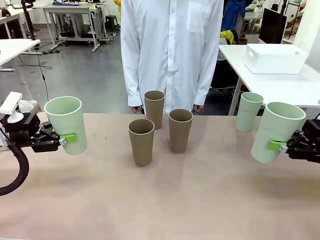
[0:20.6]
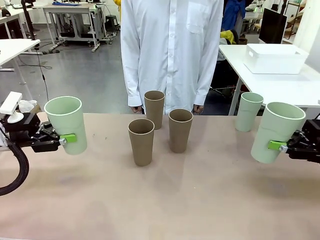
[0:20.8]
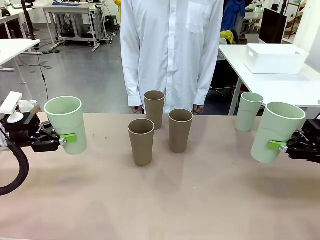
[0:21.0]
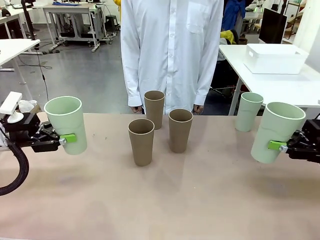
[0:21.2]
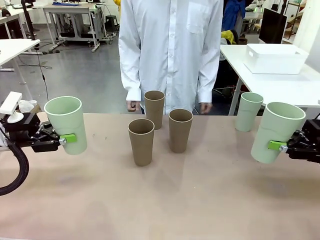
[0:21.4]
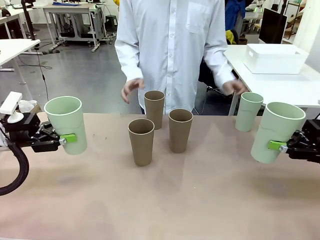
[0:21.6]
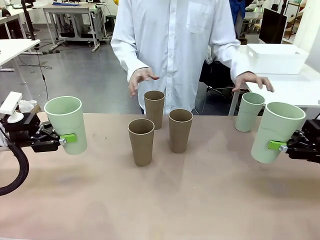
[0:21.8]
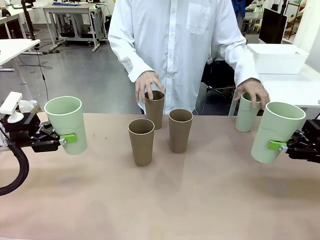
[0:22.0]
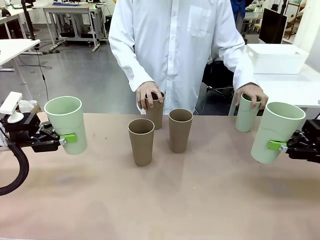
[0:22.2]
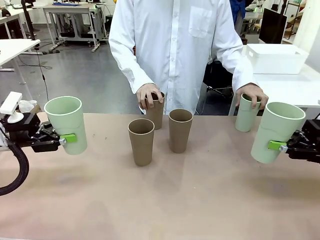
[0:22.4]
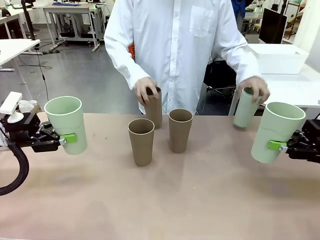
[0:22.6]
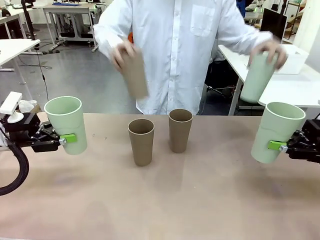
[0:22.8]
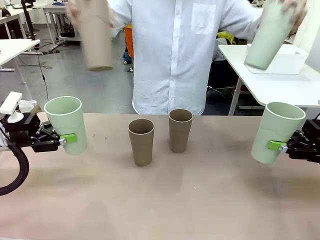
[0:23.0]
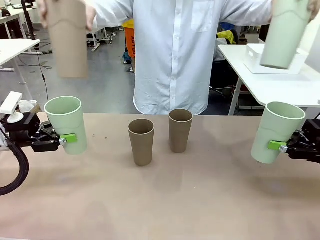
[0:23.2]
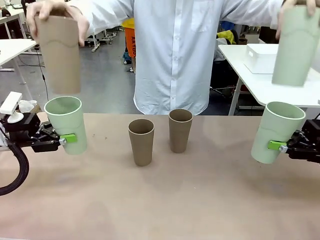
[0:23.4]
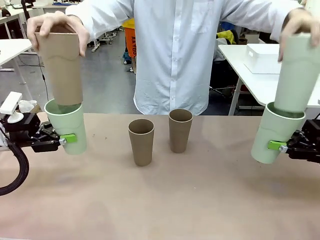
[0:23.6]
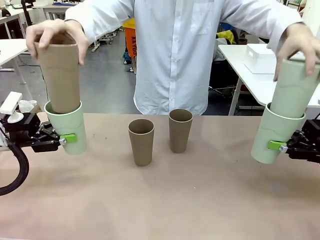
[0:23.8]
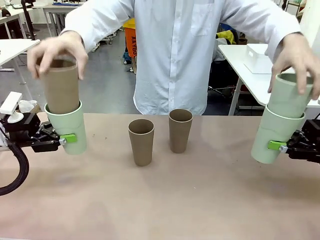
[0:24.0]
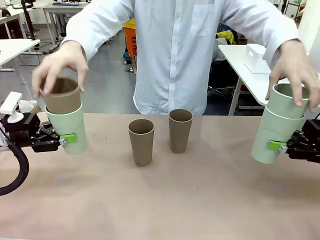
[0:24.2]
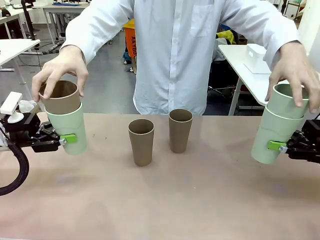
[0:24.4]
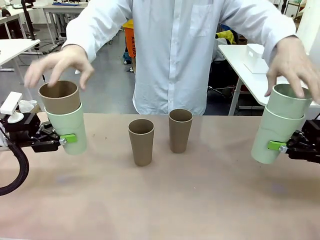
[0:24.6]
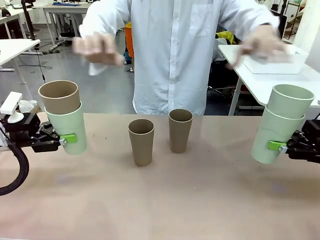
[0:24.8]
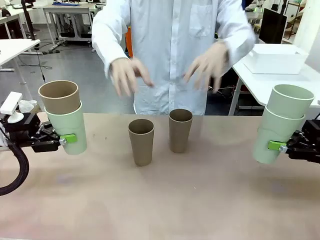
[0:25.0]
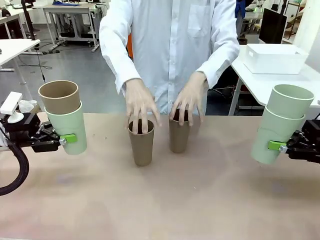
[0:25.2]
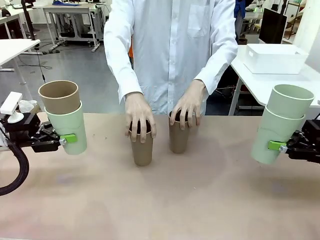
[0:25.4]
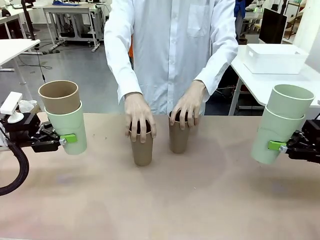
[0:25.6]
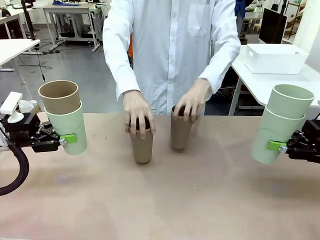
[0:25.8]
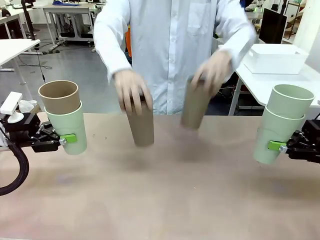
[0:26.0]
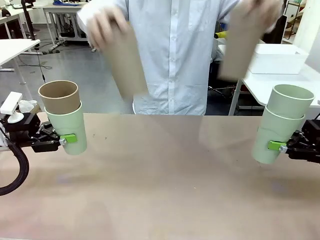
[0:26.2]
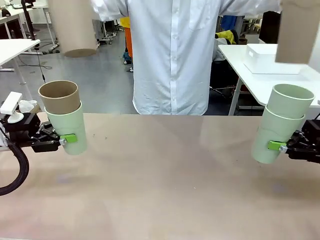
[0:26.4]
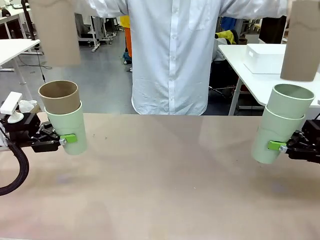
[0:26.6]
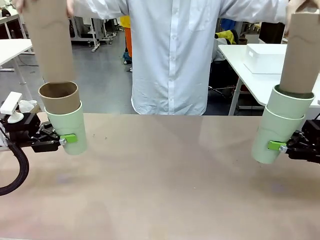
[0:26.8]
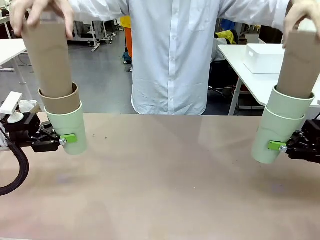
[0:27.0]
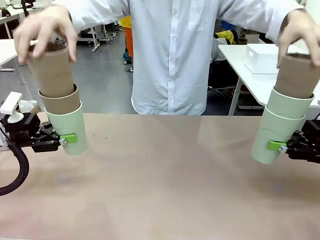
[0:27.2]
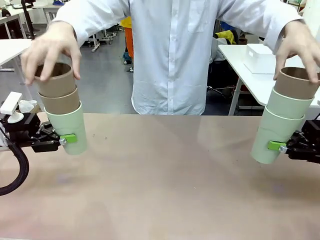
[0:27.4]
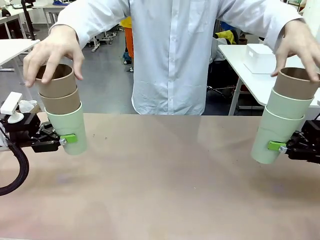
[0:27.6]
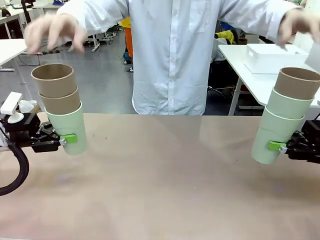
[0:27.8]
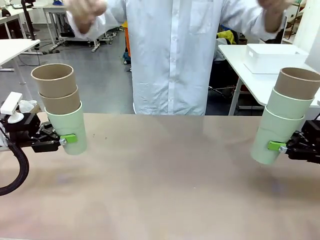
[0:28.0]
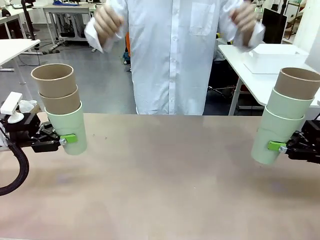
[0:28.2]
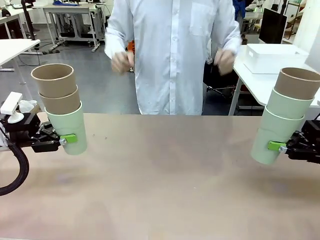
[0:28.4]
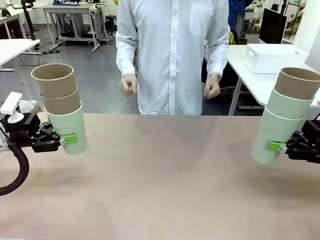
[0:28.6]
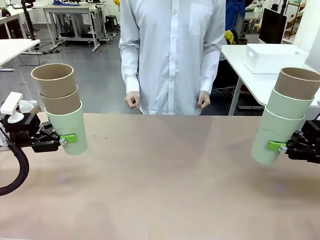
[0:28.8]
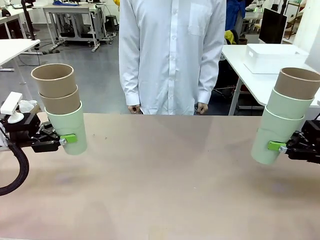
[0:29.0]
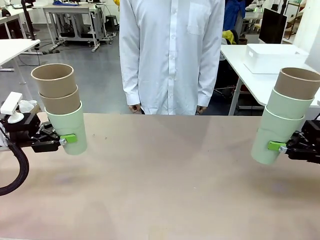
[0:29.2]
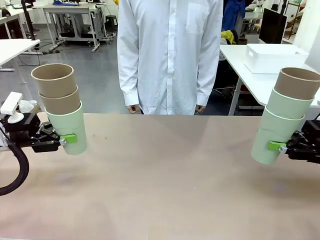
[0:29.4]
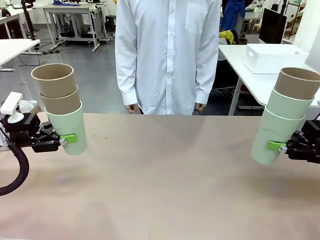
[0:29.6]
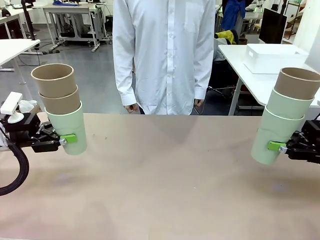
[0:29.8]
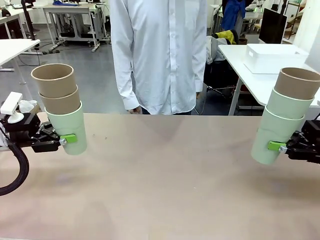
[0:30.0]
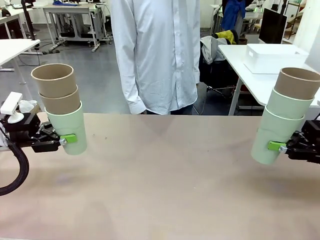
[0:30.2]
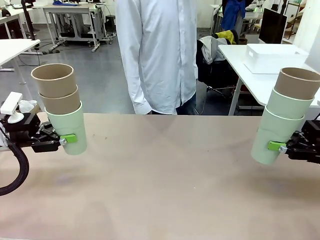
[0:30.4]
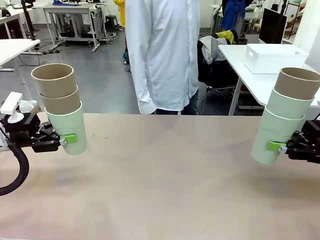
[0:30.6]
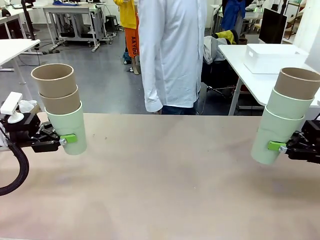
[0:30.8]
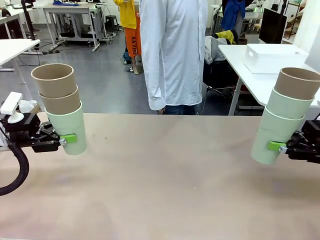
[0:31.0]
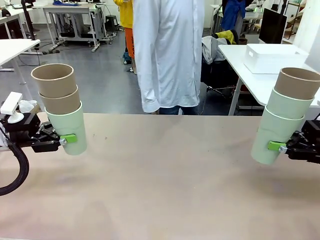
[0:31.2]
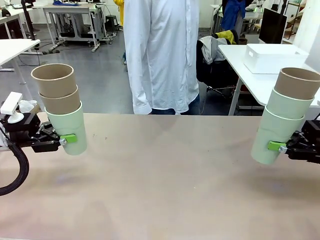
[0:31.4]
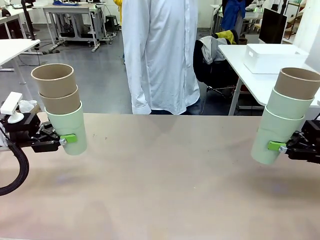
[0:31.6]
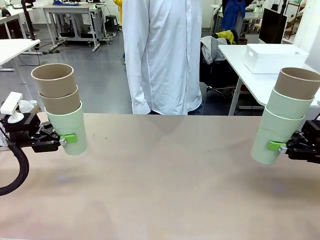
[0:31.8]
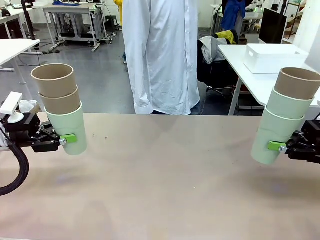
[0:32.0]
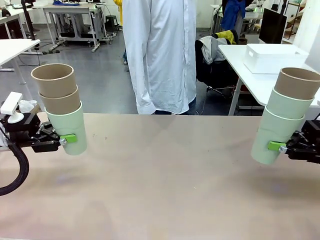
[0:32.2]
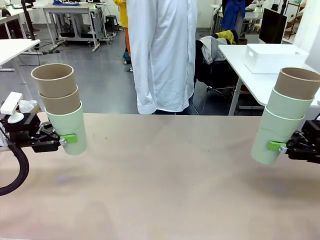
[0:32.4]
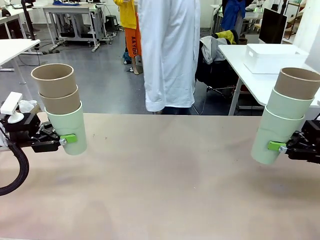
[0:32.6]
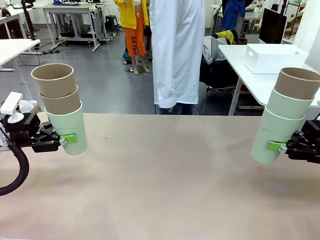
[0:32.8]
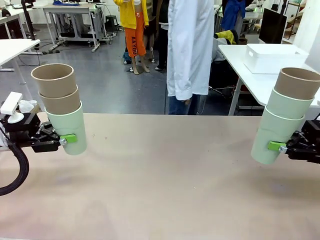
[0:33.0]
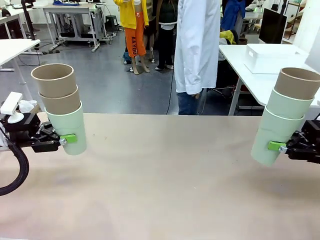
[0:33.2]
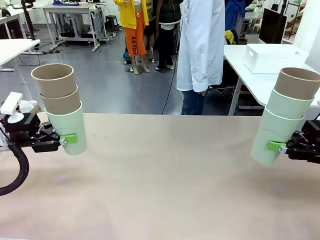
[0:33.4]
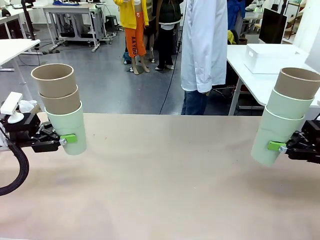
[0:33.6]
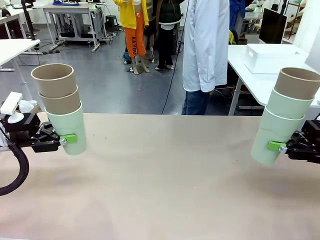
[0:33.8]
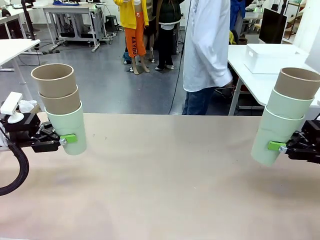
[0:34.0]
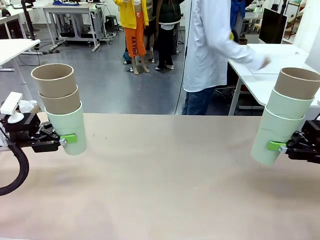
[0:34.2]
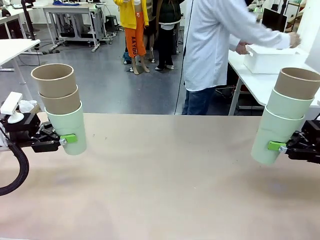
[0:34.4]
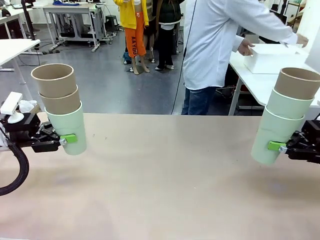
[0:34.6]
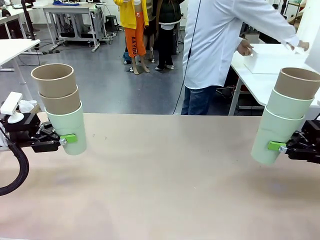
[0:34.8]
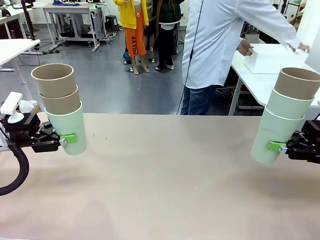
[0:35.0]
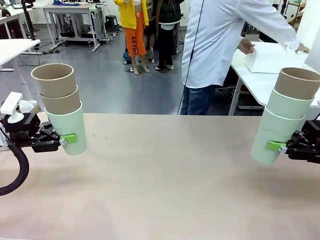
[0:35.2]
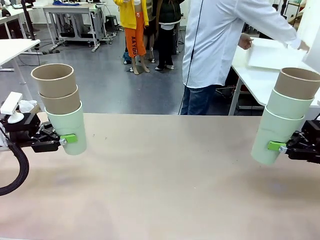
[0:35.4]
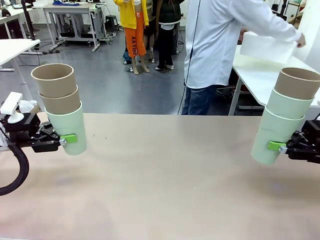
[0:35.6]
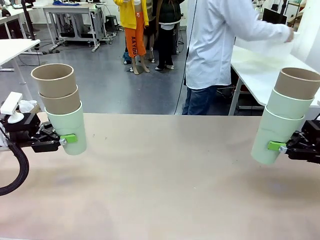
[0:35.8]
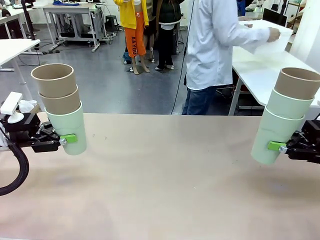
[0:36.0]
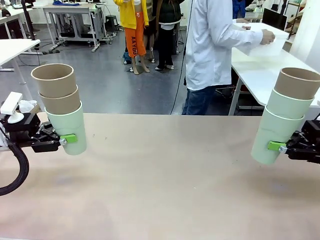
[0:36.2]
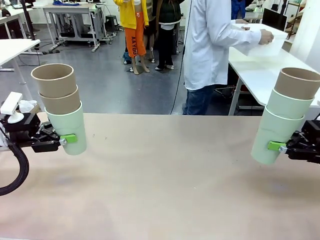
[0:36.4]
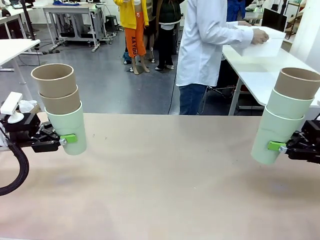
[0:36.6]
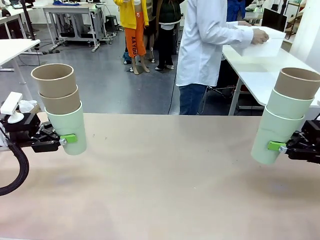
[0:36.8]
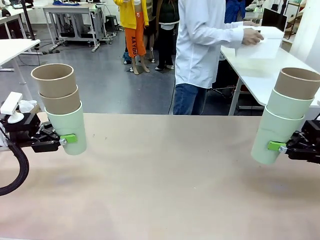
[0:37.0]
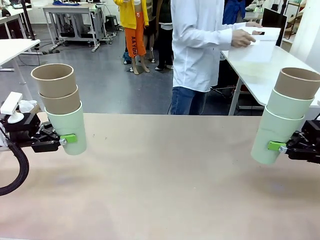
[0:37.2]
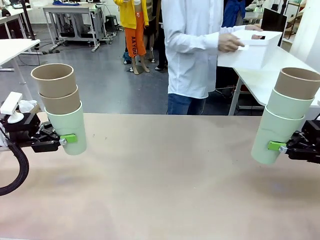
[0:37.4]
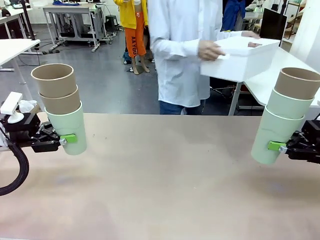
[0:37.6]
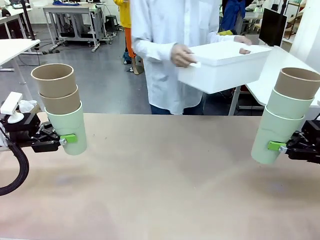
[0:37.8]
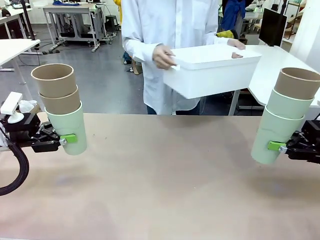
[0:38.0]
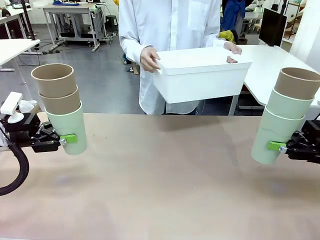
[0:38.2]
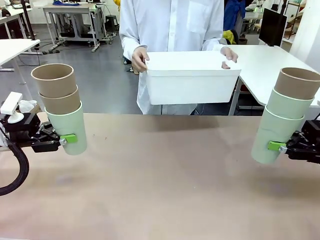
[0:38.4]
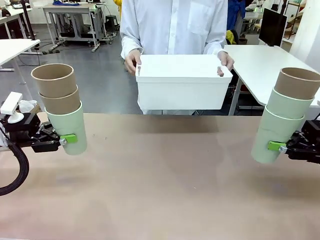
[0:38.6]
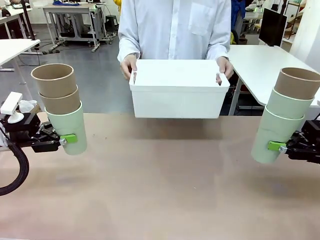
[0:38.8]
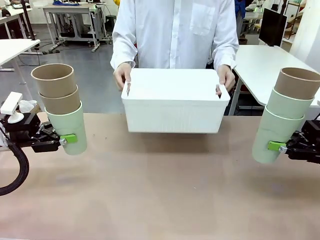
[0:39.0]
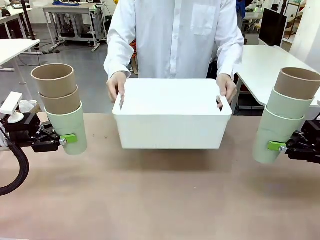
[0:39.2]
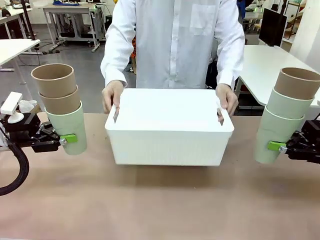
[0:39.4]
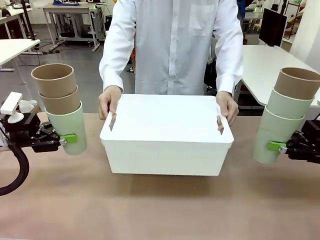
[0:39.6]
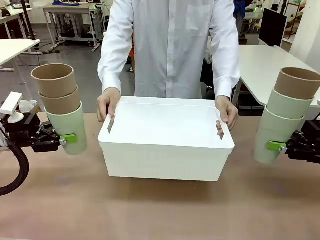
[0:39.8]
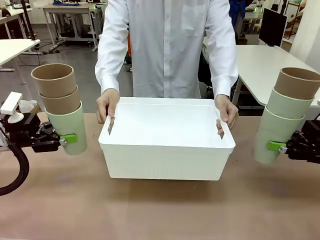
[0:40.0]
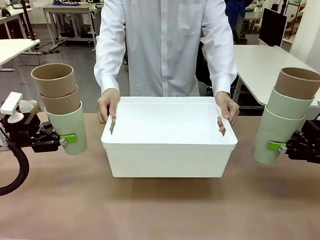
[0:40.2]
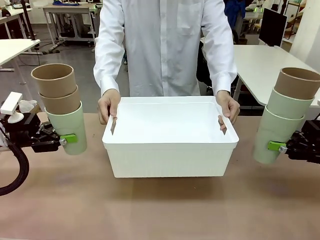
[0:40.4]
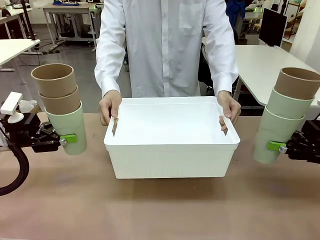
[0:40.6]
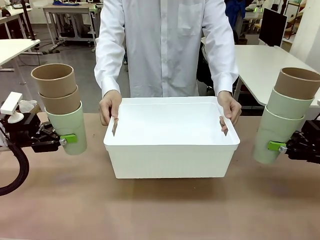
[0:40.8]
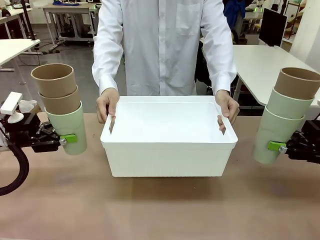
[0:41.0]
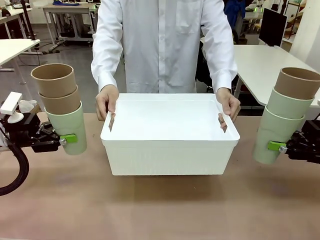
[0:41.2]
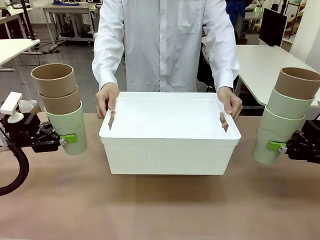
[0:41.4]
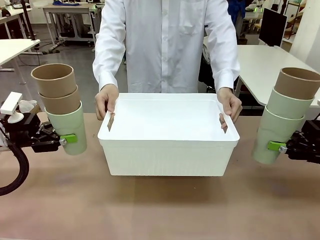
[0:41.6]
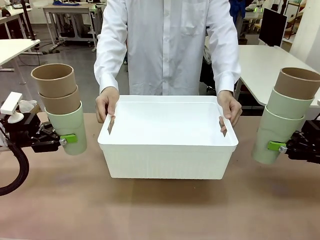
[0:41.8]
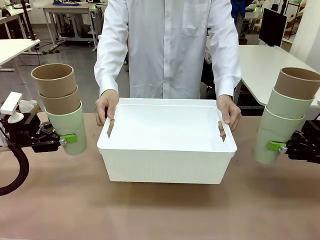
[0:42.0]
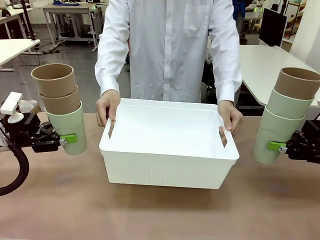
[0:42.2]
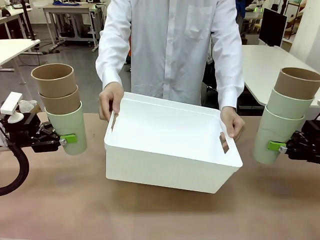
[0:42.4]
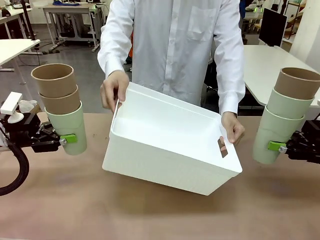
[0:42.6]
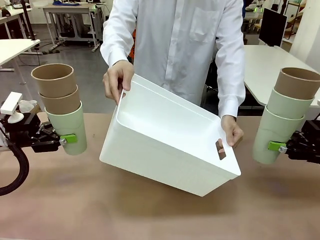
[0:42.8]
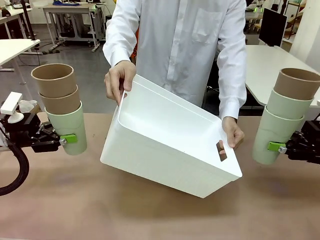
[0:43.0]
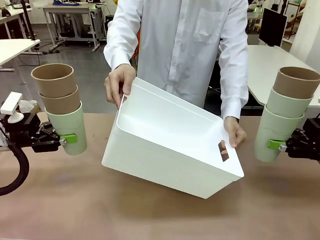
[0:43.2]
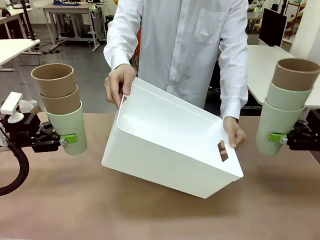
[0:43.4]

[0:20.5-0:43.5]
Task: Stack the cups and store them in the basket.
Robot: Place the stack of Reusable plastic cups into the Pantry Basket.
Person: Pick up the basket from the Human Table, bring it to the front of the robot, and present it.
